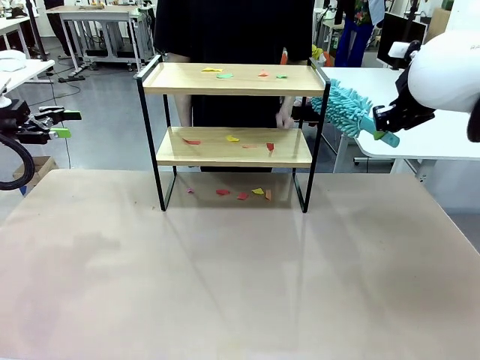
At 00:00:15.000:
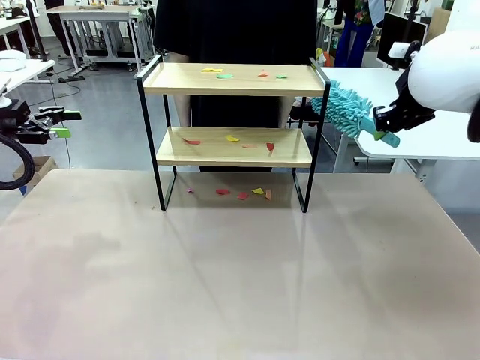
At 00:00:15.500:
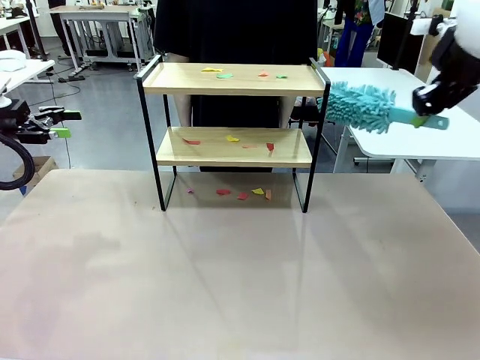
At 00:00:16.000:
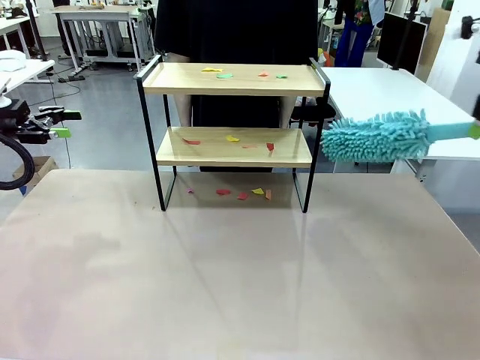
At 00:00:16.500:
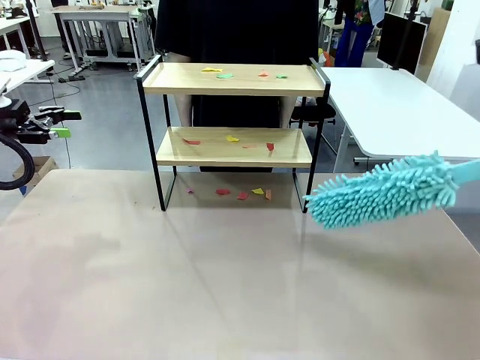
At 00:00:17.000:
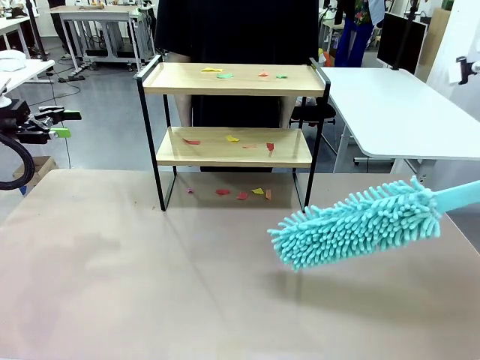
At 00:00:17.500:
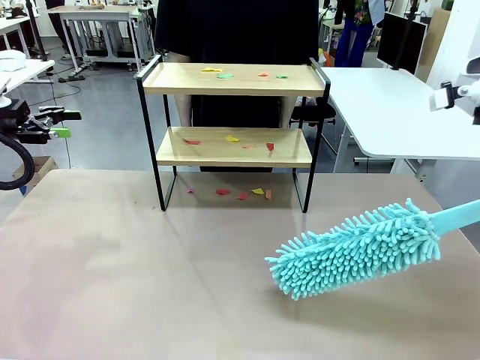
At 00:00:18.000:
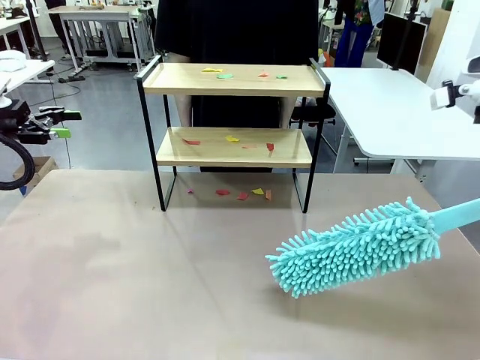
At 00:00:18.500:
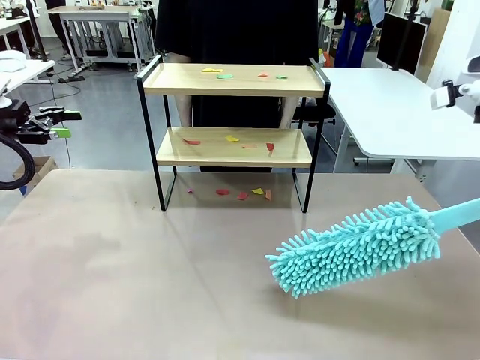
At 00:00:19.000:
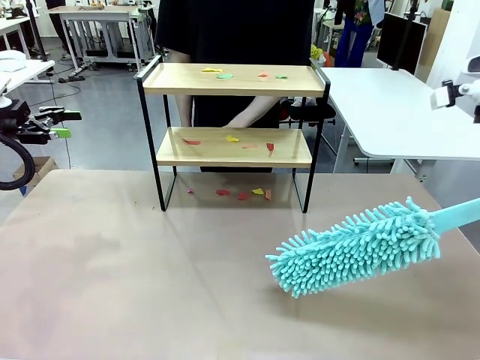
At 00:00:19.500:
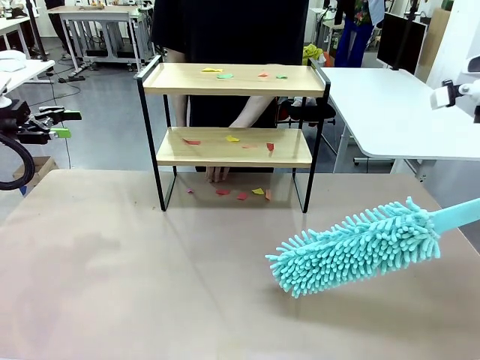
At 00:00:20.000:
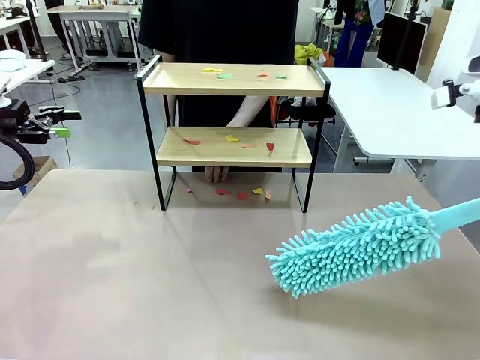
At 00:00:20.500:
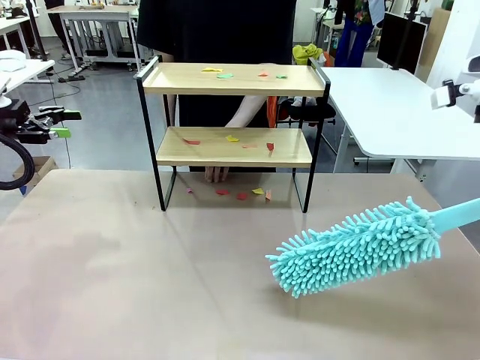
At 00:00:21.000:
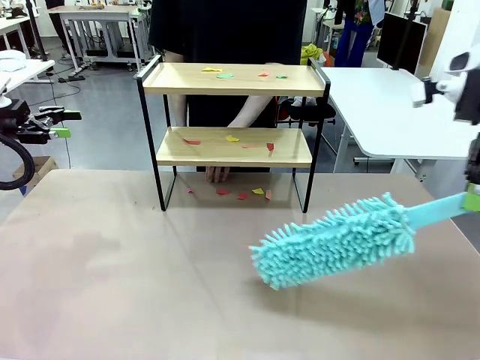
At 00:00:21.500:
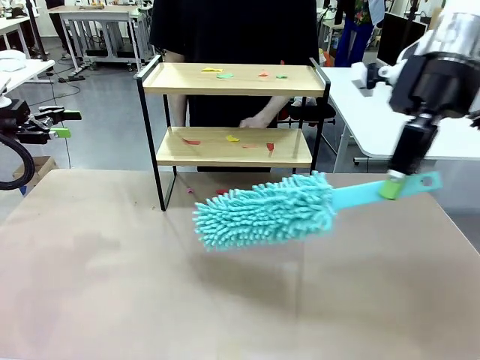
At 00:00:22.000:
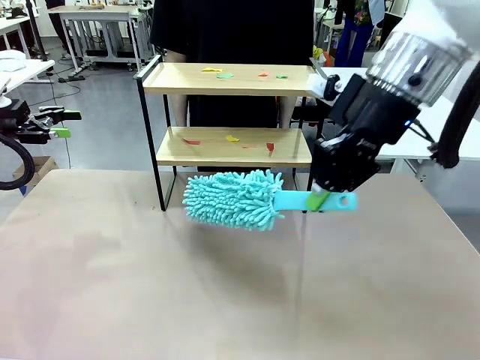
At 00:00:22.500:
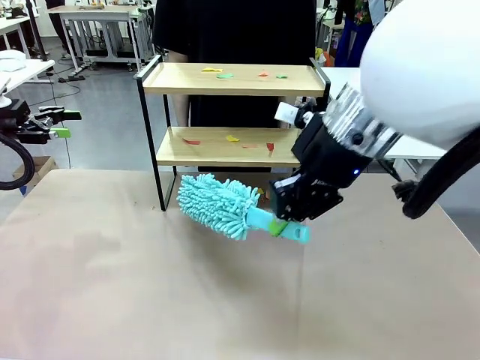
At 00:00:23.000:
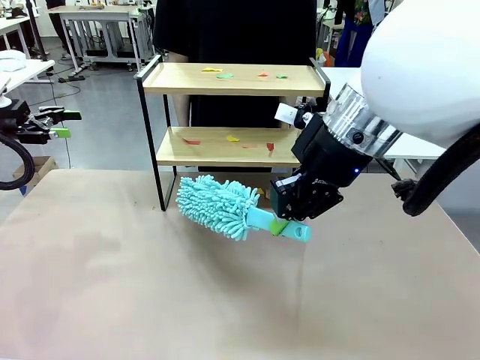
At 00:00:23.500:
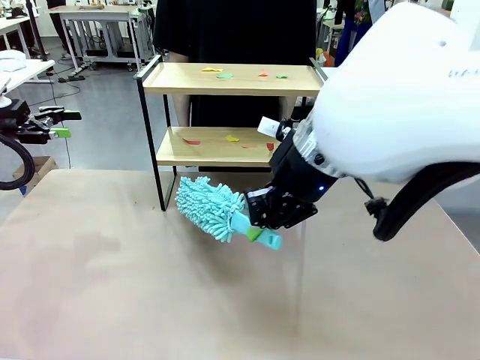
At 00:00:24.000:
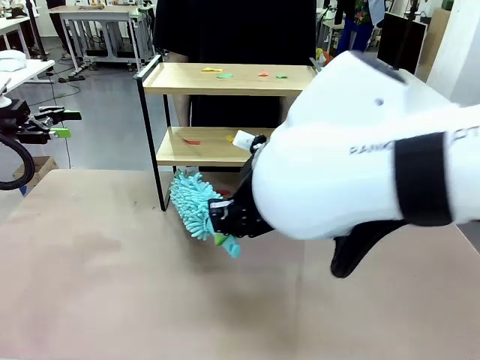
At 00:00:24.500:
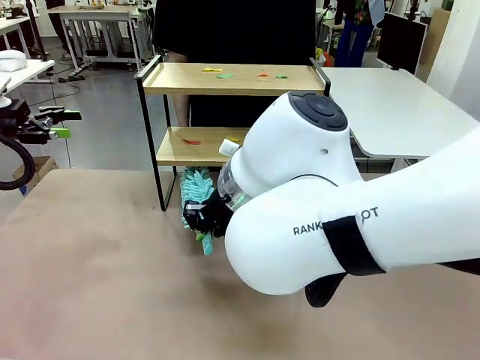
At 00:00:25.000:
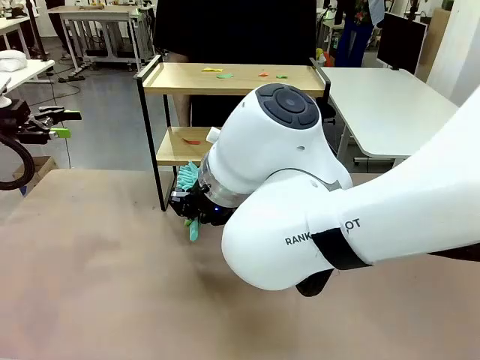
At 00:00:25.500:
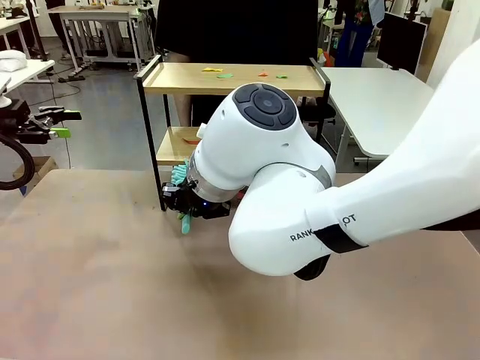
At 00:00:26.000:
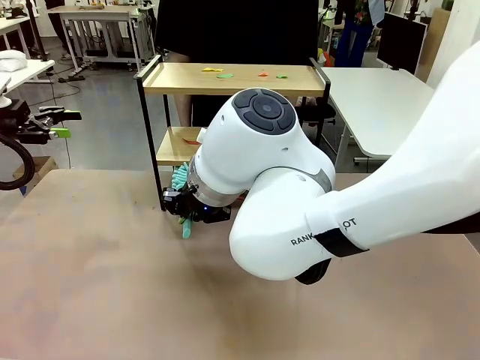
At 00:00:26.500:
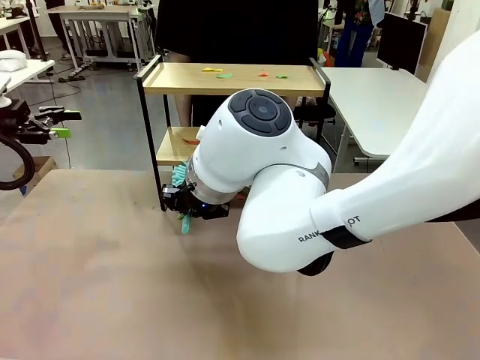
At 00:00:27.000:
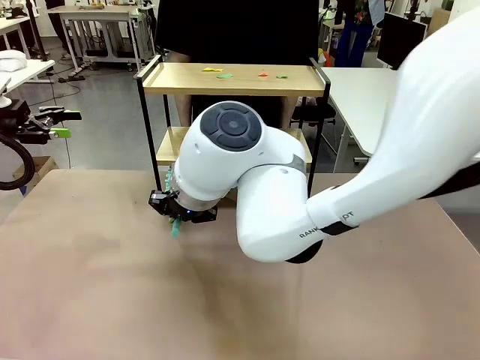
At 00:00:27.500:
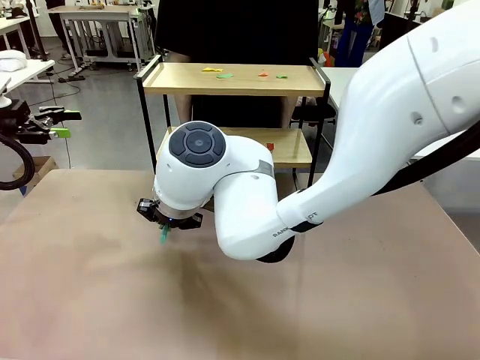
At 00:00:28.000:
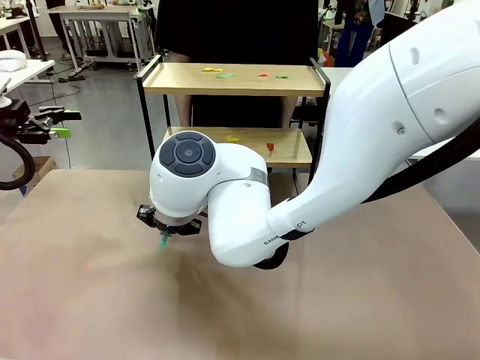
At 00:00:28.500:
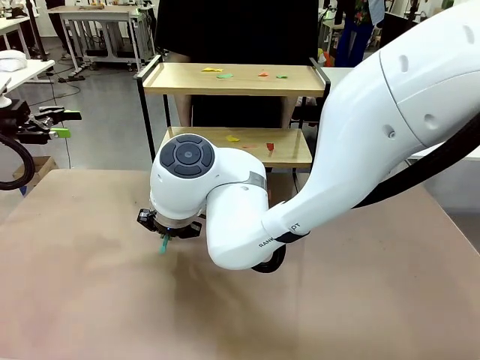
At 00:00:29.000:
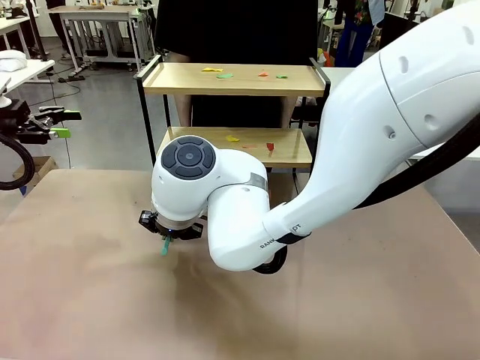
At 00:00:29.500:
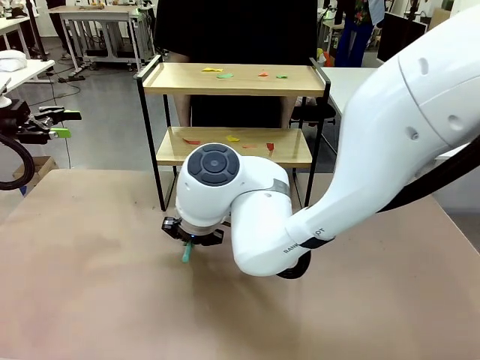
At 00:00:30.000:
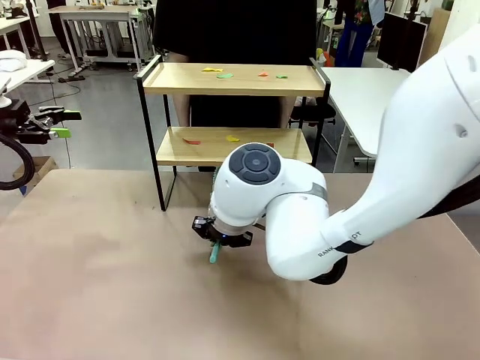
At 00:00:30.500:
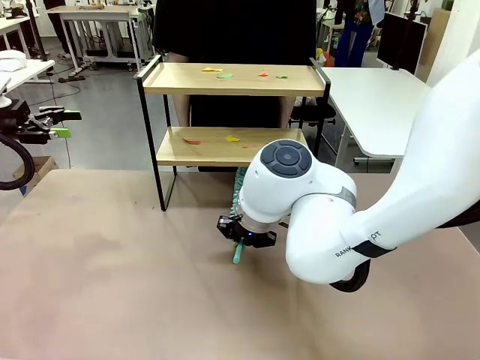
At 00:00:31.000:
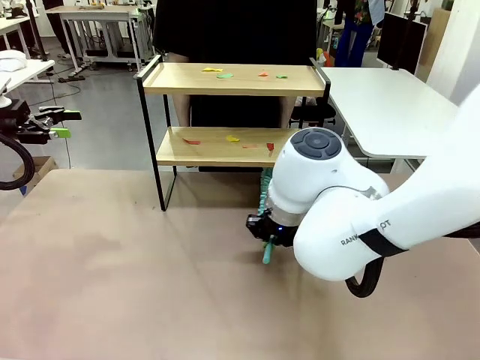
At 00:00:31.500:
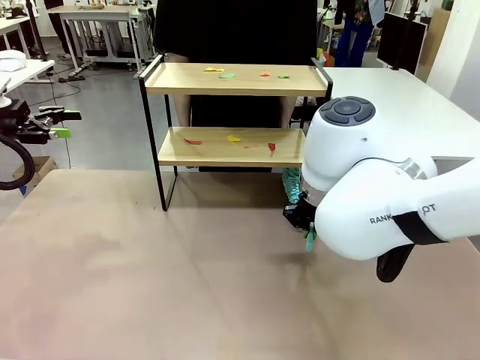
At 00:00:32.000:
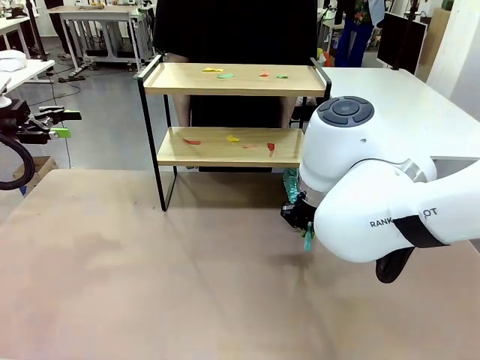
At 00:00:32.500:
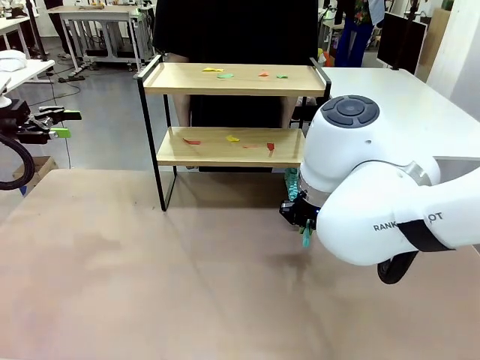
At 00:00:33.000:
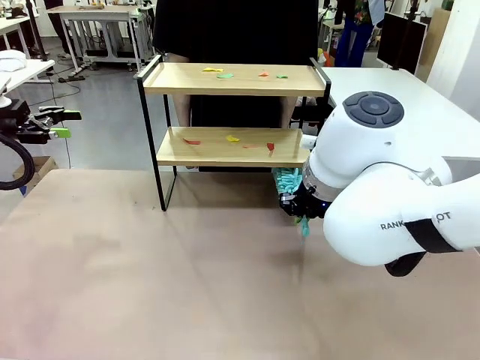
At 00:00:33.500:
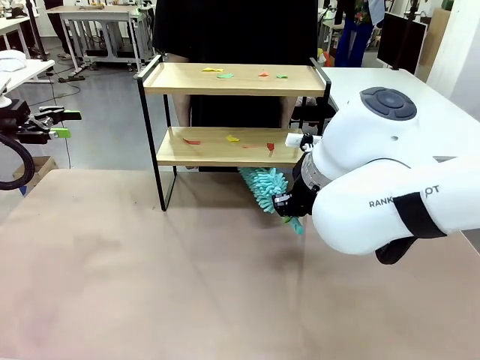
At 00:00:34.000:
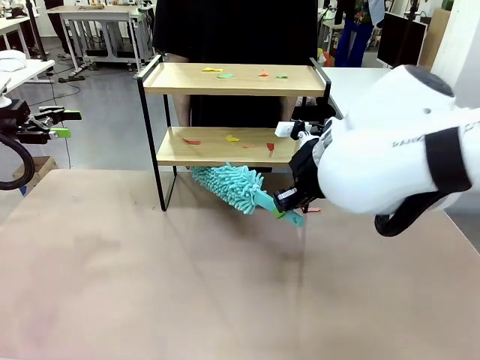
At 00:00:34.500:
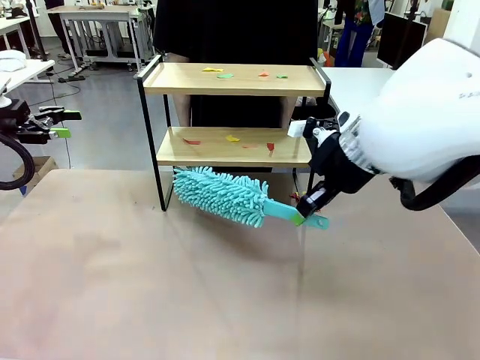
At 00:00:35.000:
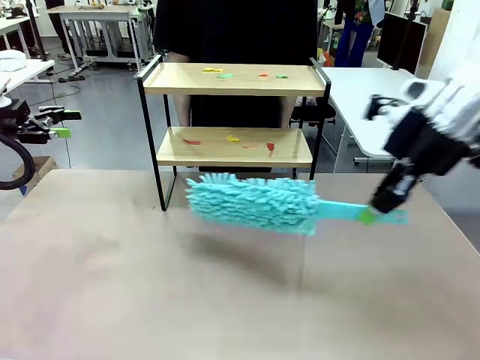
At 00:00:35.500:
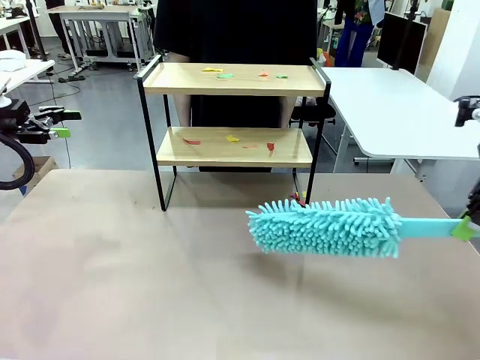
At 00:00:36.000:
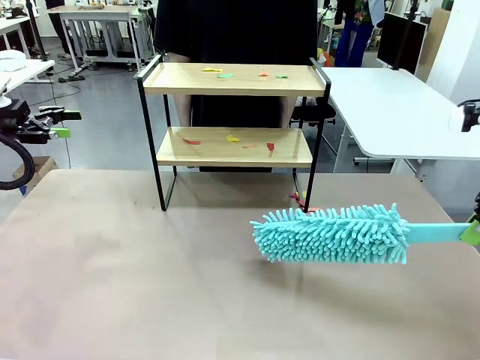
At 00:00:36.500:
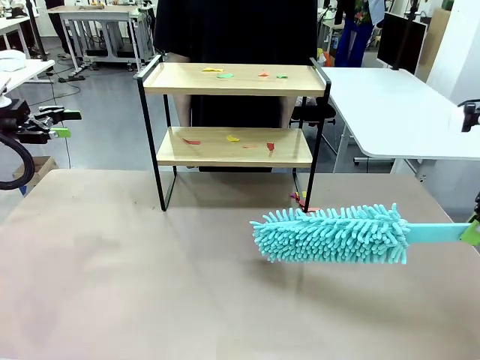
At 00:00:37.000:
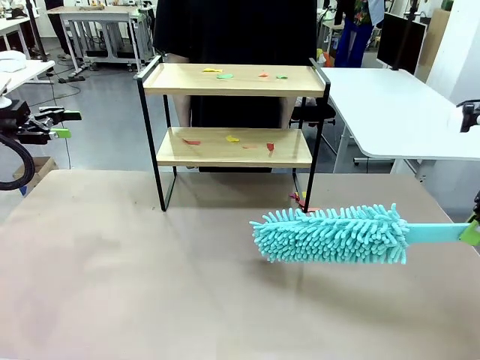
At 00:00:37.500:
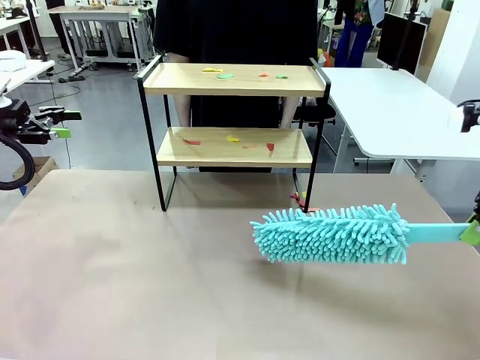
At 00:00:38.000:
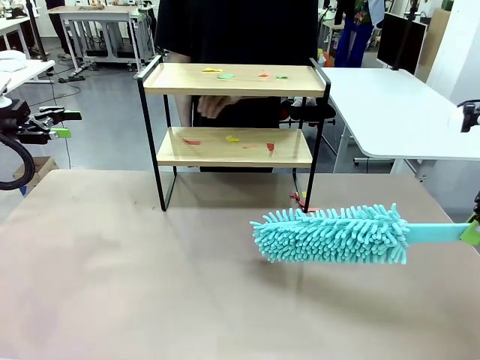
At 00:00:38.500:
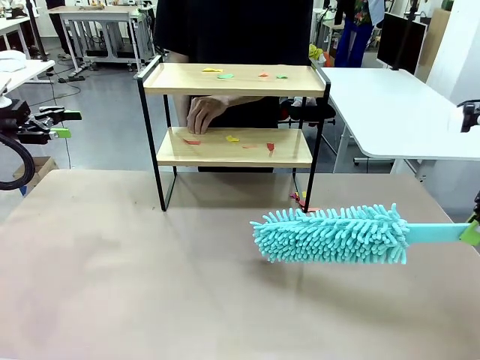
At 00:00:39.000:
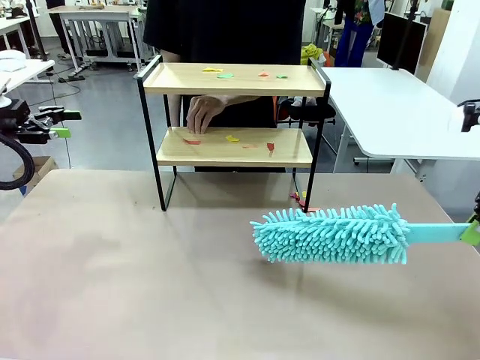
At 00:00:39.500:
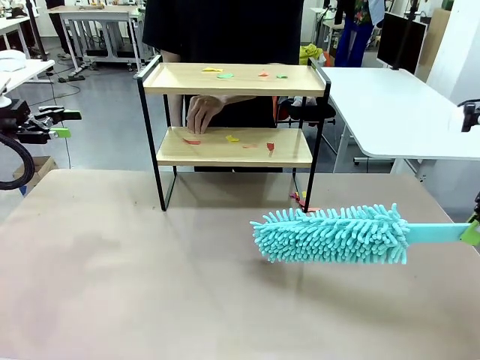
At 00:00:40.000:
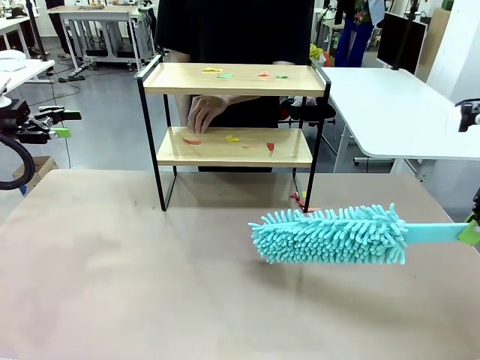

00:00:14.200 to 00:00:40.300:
Task: Clean the shelf.
Robot: Clean the specific section of the Shelf indicated by the human with the Duster.
Person: Point a random section of the Shelf.
